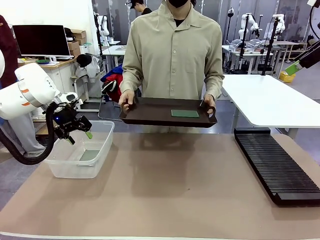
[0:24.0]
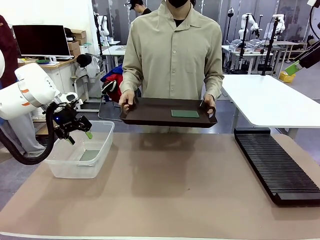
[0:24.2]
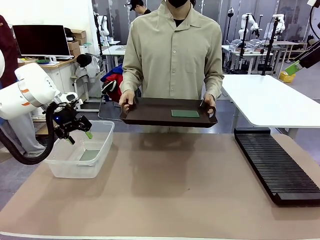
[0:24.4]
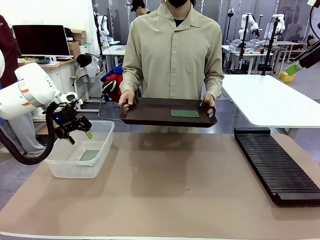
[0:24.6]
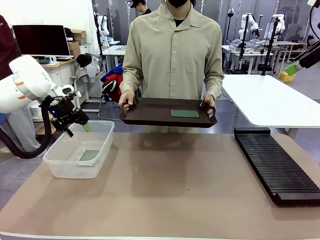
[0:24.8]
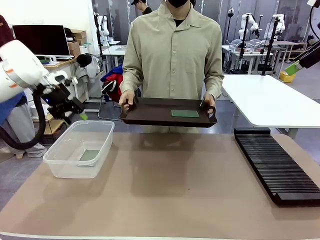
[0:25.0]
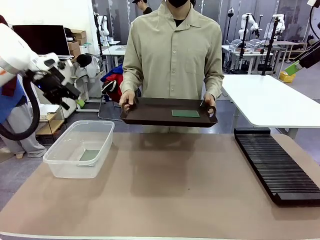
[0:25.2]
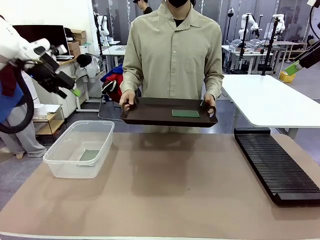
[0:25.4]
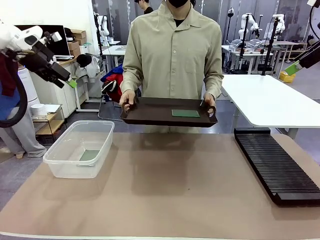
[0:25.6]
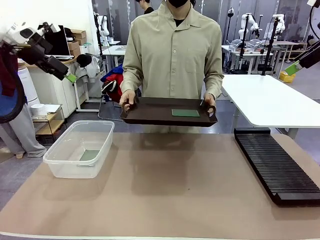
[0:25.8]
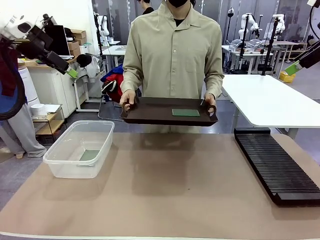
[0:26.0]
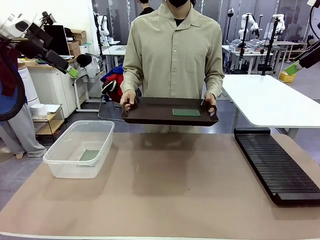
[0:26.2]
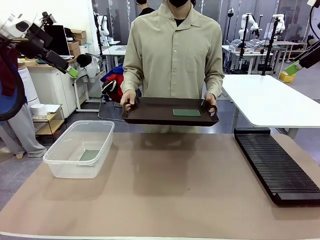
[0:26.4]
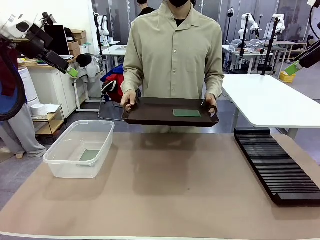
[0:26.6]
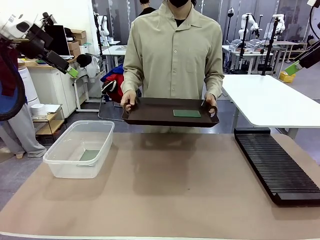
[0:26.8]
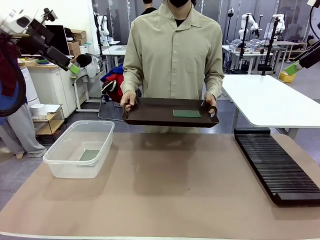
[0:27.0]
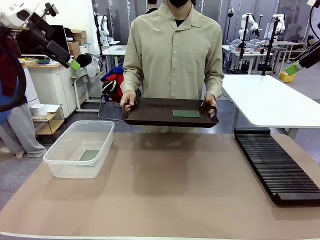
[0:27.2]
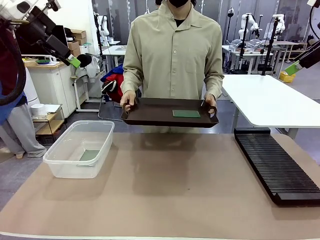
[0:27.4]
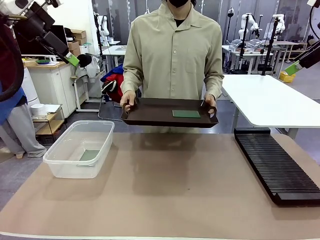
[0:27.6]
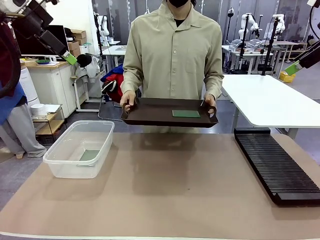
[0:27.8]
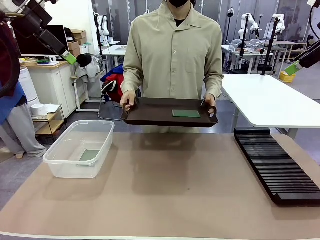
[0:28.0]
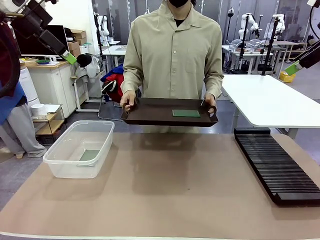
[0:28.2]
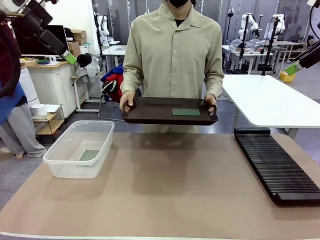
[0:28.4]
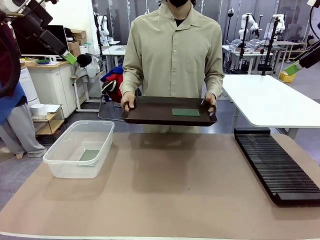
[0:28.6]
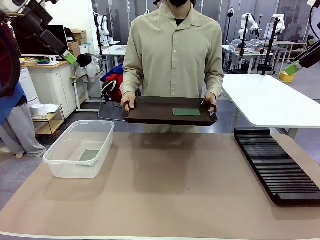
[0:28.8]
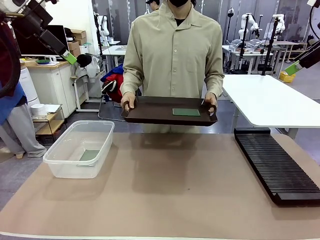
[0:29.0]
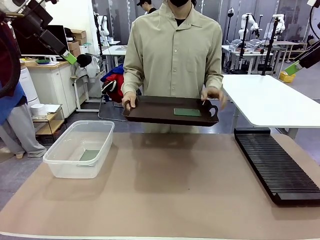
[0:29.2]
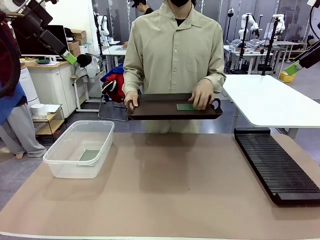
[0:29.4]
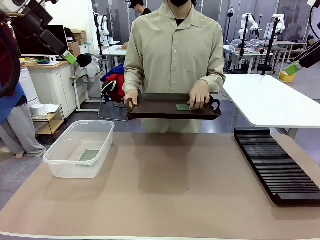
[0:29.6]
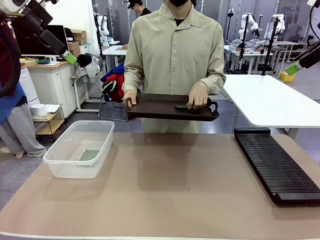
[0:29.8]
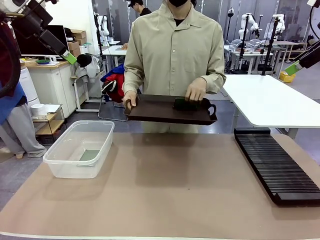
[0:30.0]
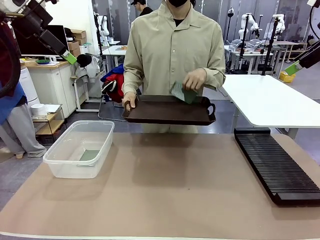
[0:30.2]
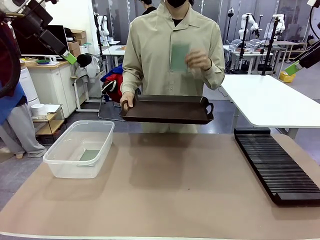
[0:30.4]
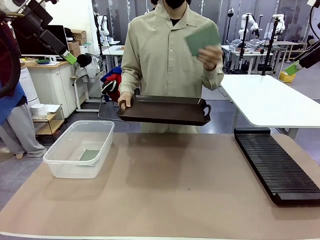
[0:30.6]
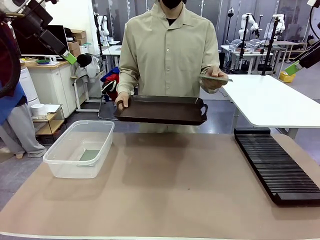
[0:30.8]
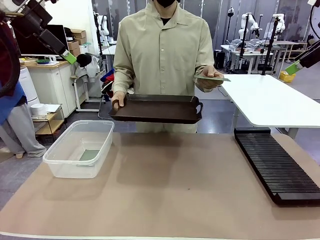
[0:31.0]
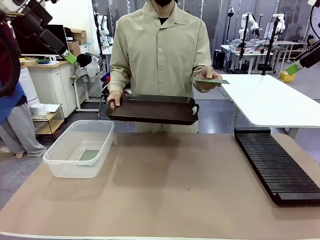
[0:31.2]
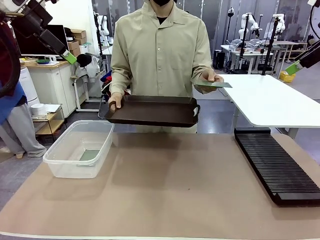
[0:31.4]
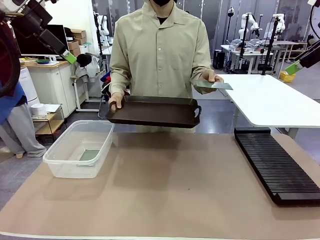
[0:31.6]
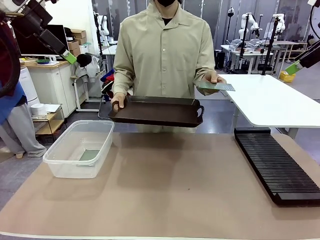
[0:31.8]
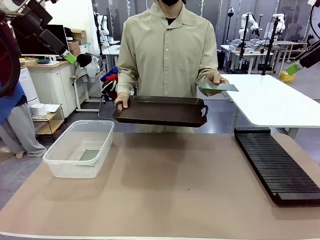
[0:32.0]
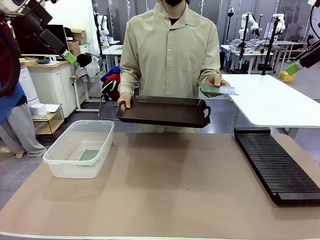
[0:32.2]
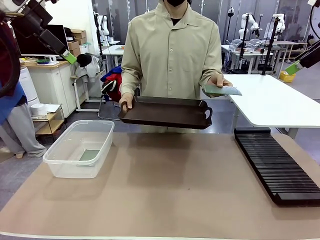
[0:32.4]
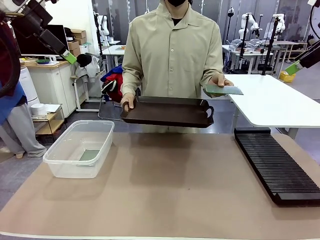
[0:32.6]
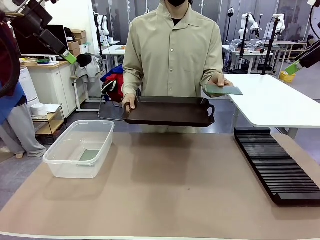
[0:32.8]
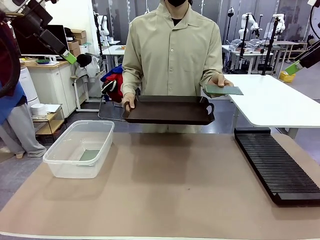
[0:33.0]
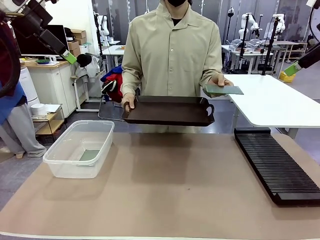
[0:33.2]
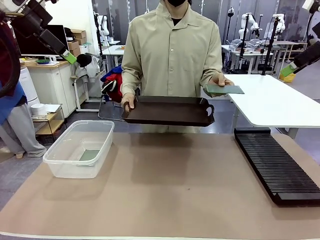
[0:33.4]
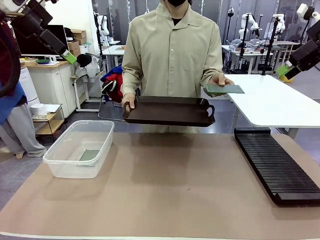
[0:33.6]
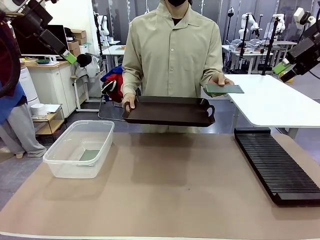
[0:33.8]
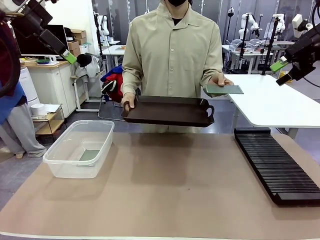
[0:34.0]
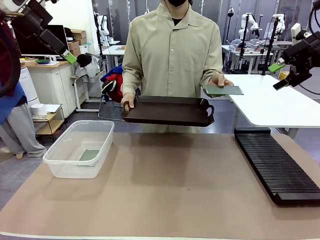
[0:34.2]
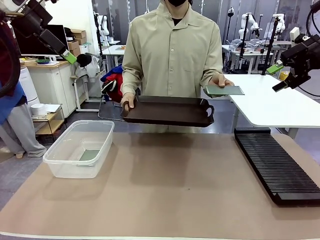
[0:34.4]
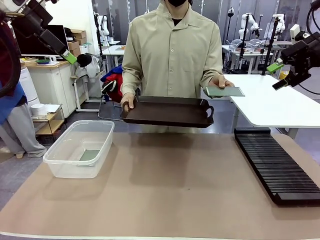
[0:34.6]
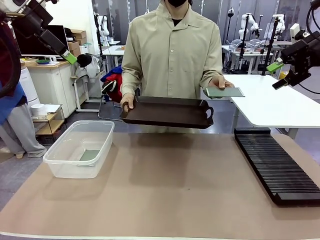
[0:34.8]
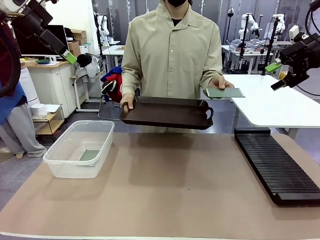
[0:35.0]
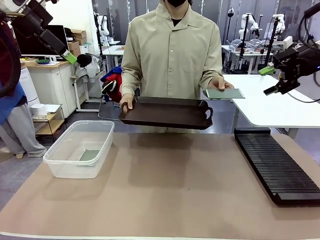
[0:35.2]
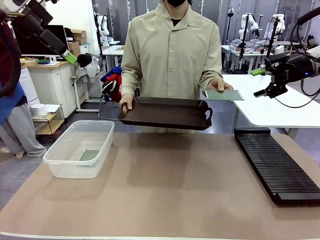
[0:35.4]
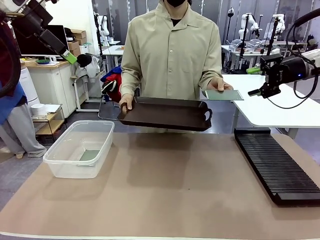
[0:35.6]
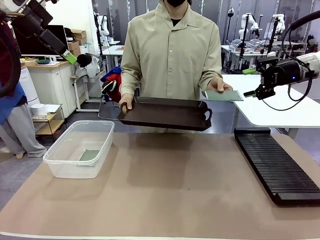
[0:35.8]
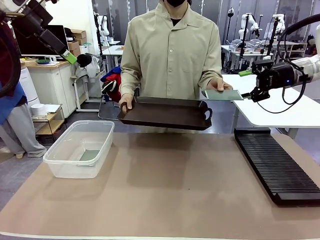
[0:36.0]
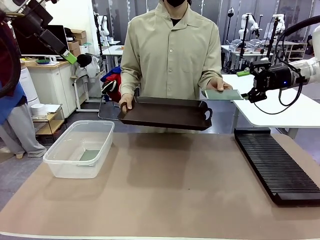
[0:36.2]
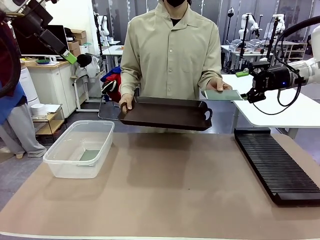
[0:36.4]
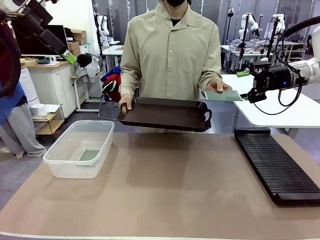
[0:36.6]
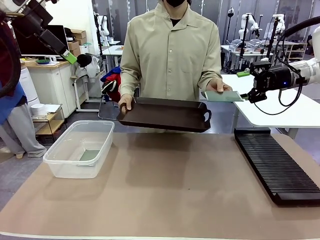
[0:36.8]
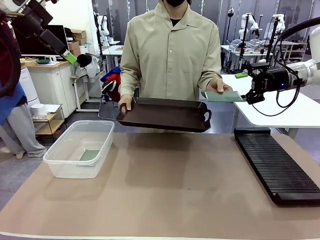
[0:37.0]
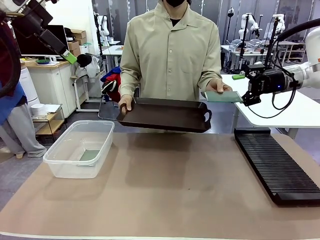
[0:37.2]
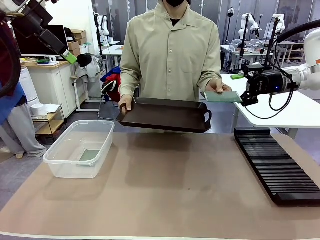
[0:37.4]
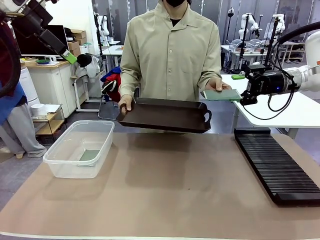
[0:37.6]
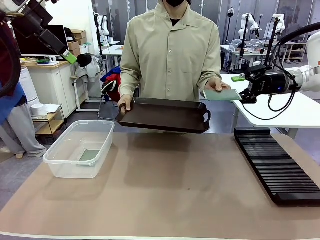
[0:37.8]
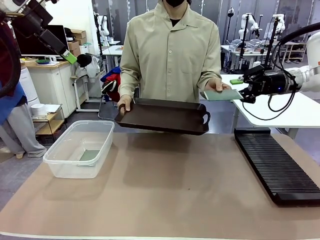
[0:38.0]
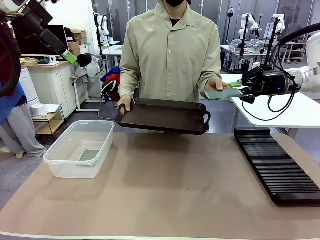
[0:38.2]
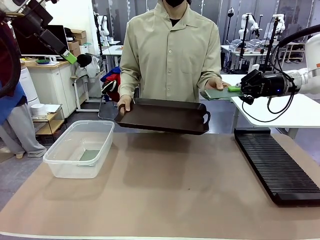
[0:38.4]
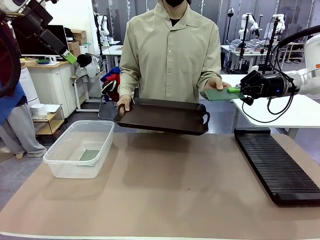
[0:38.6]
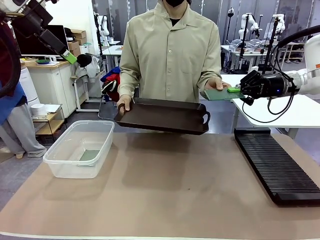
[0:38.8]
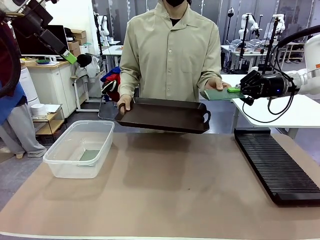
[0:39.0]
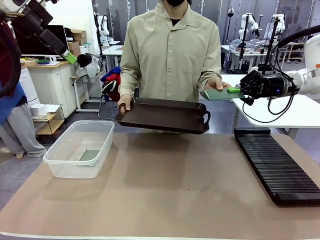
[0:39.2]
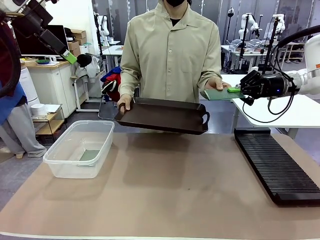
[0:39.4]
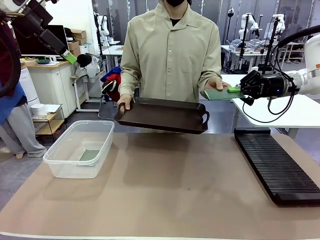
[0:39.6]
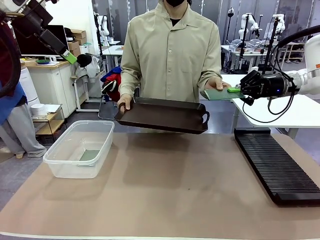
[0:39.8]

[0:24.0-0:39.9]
Task: Sort PCBs into racks and boxes based on the side picked up.
Robot: Pick up the Blank PCB handed by the Human.
Person: Pick one PCB from the tray and present it to the robot.
